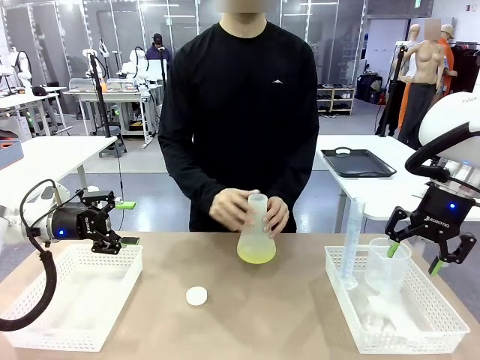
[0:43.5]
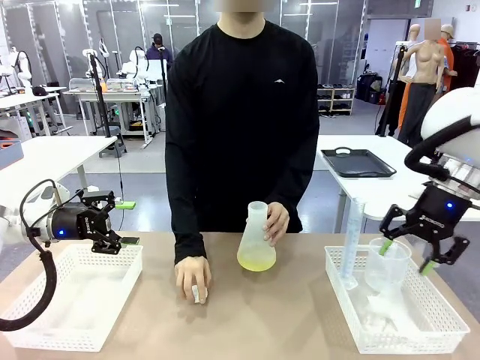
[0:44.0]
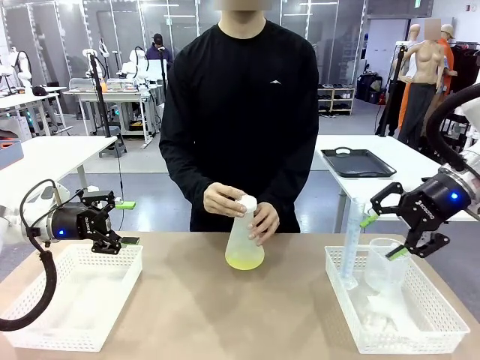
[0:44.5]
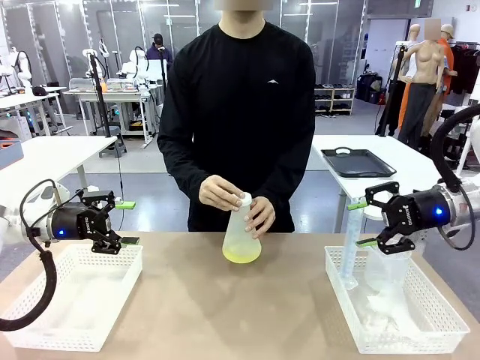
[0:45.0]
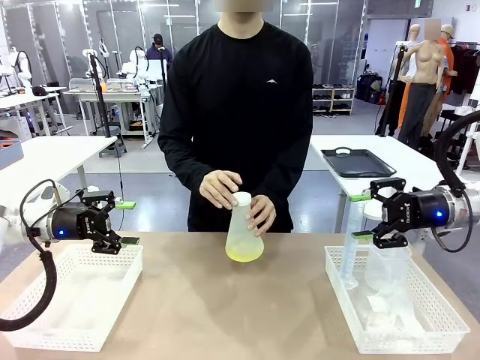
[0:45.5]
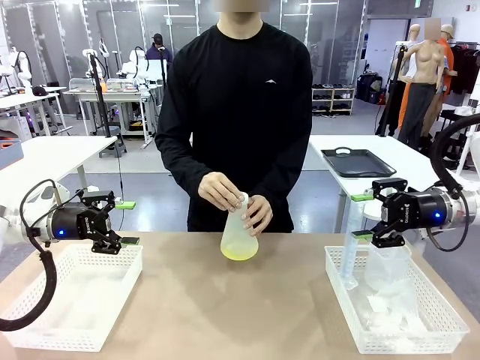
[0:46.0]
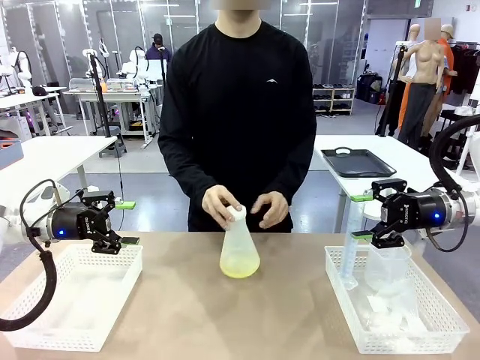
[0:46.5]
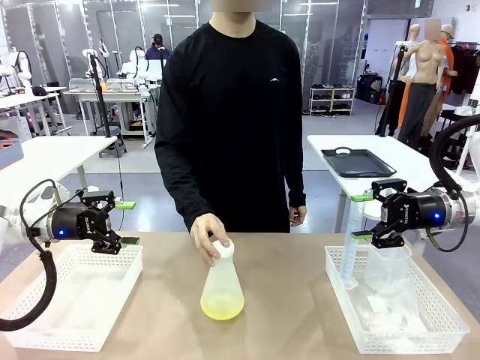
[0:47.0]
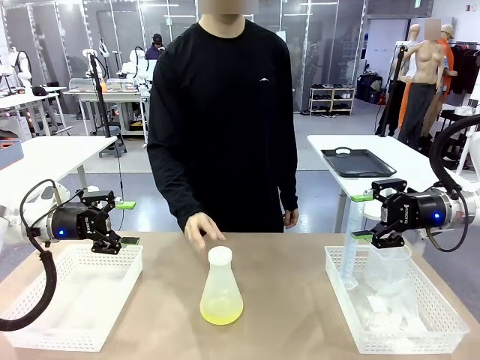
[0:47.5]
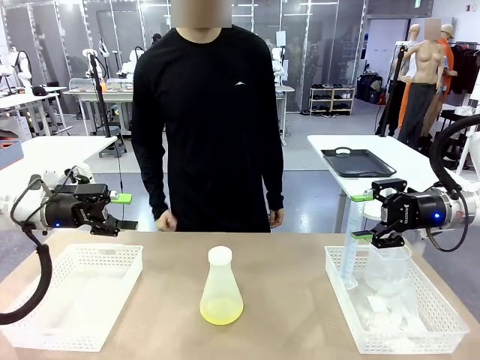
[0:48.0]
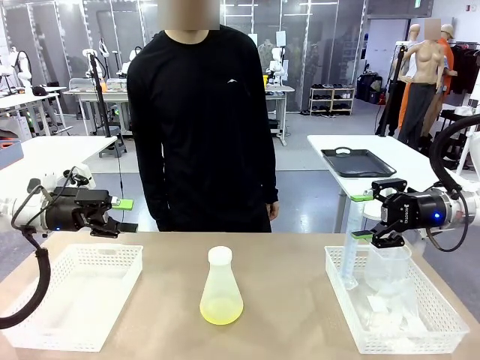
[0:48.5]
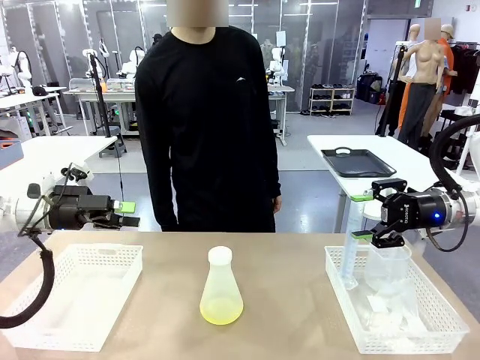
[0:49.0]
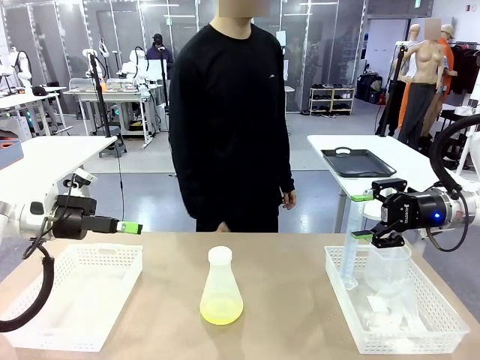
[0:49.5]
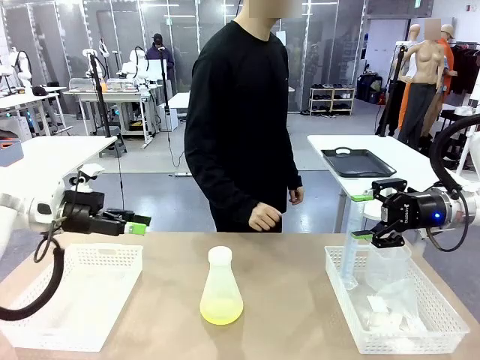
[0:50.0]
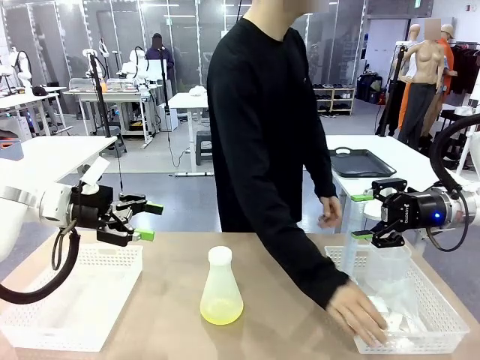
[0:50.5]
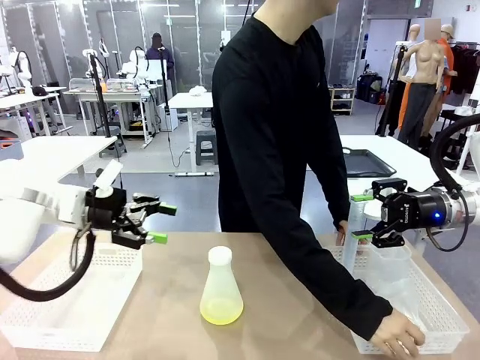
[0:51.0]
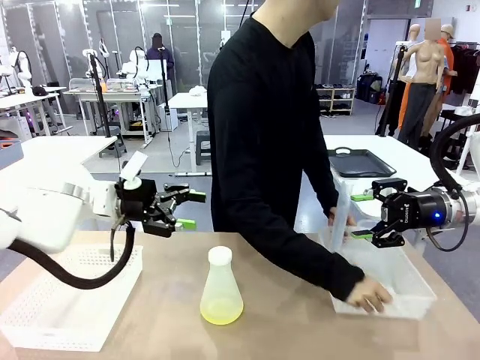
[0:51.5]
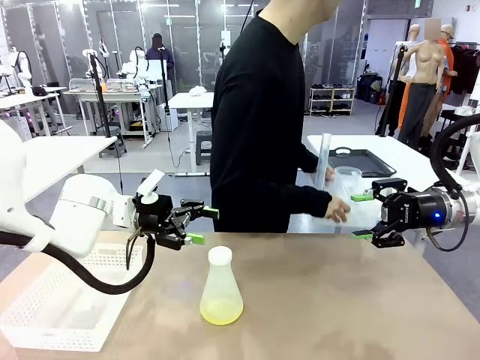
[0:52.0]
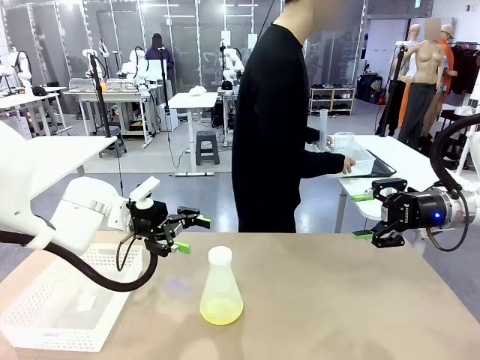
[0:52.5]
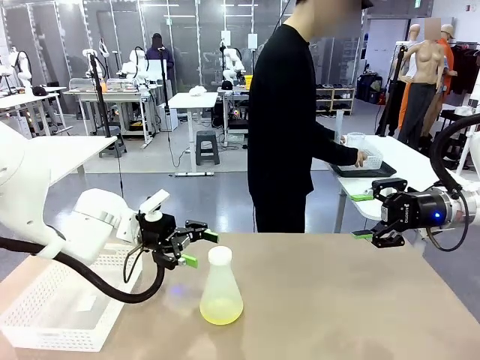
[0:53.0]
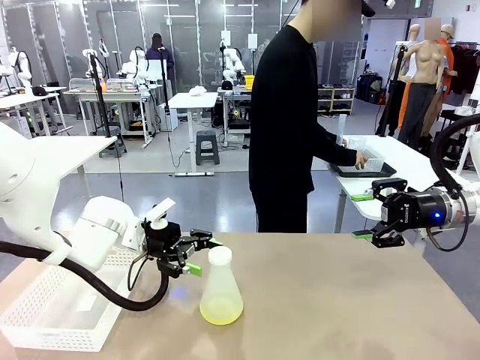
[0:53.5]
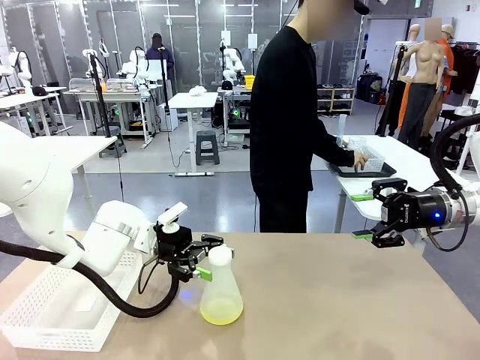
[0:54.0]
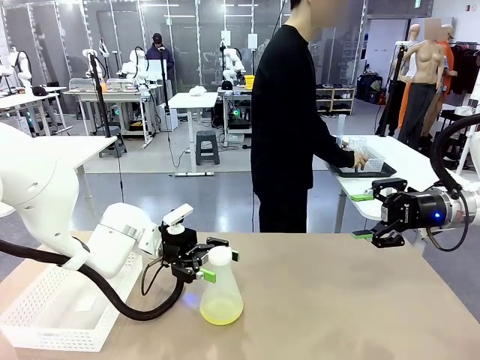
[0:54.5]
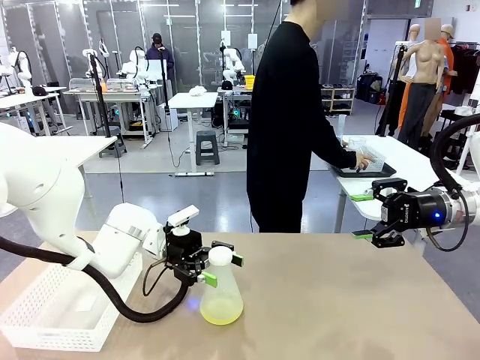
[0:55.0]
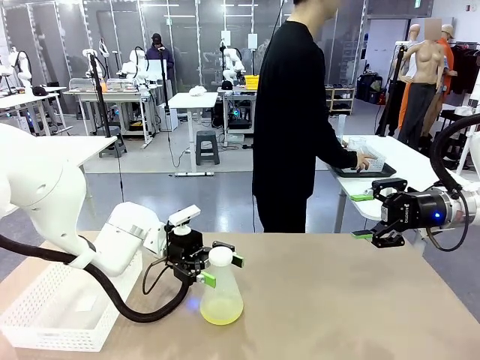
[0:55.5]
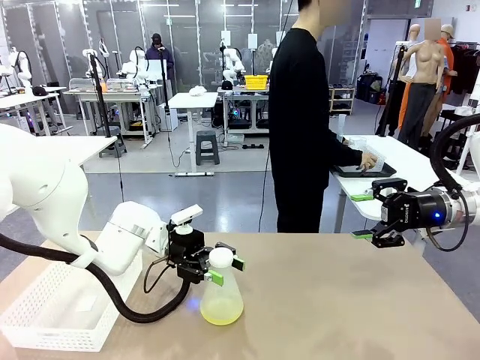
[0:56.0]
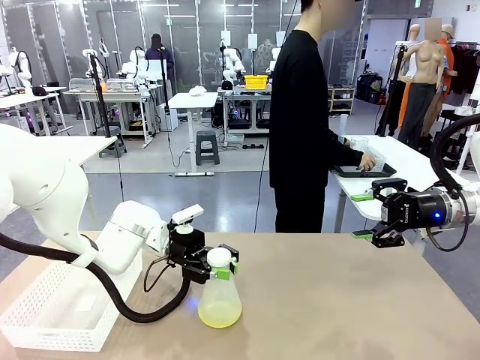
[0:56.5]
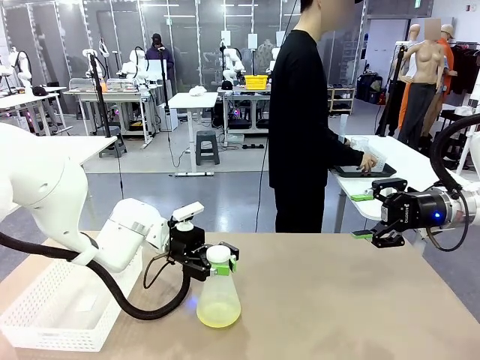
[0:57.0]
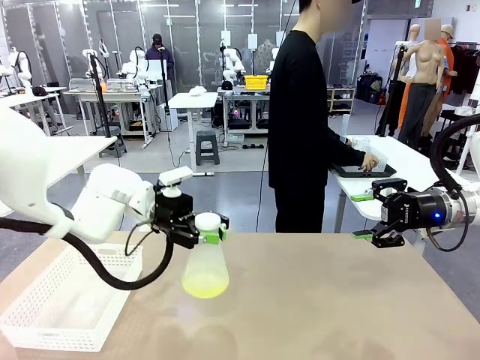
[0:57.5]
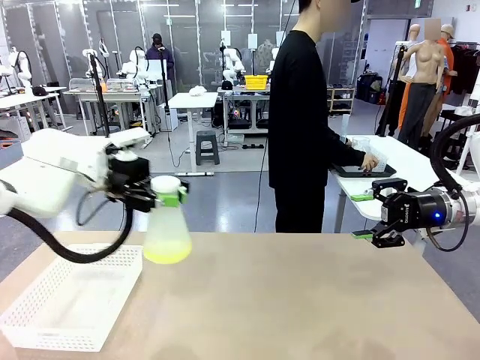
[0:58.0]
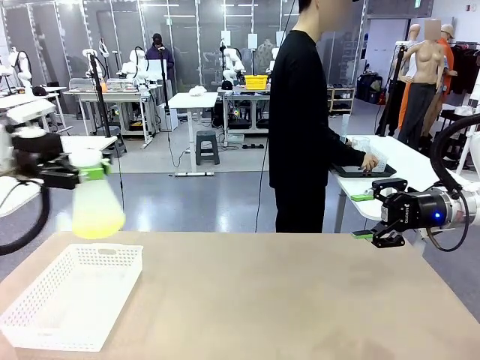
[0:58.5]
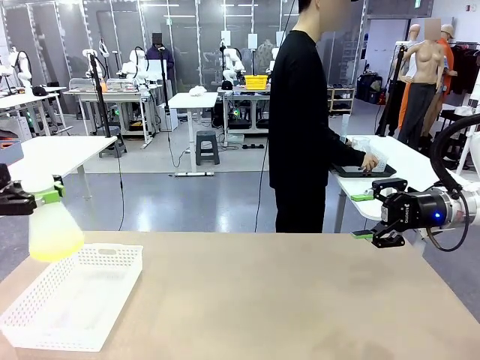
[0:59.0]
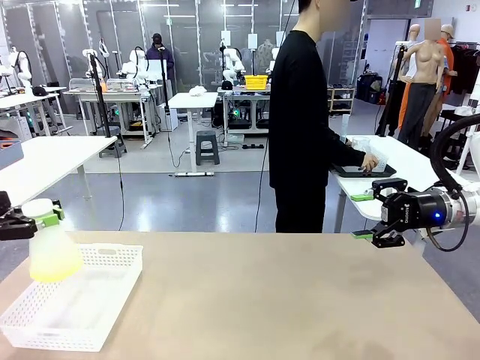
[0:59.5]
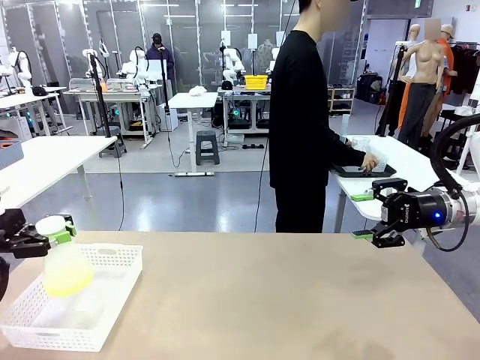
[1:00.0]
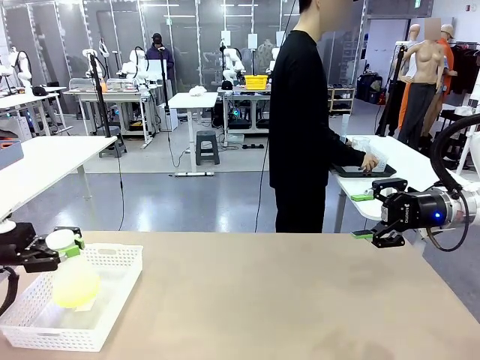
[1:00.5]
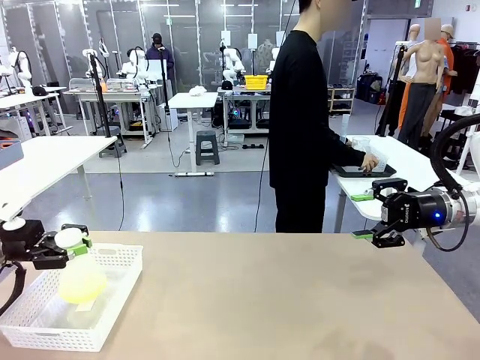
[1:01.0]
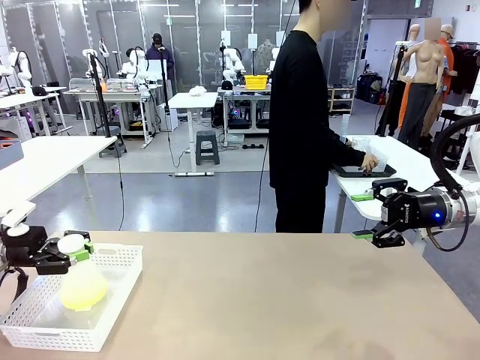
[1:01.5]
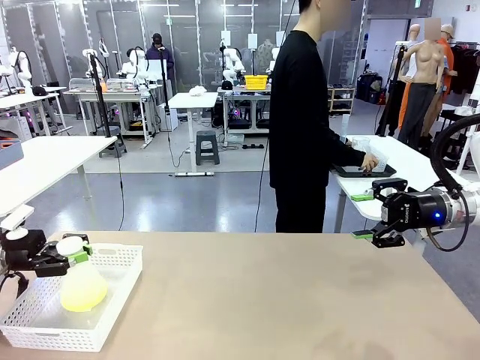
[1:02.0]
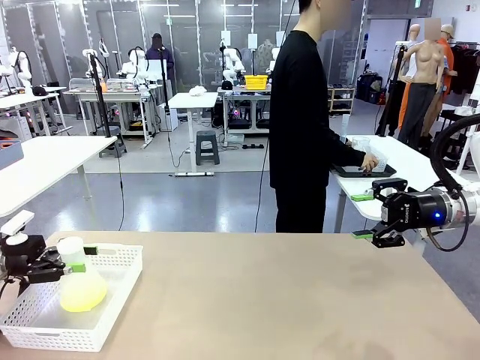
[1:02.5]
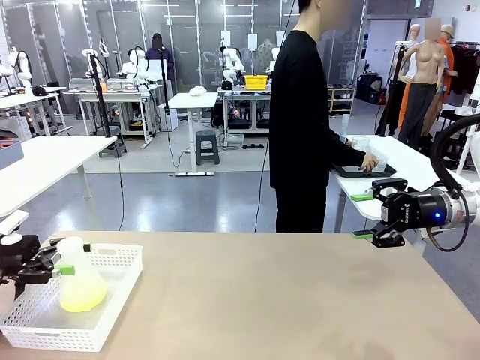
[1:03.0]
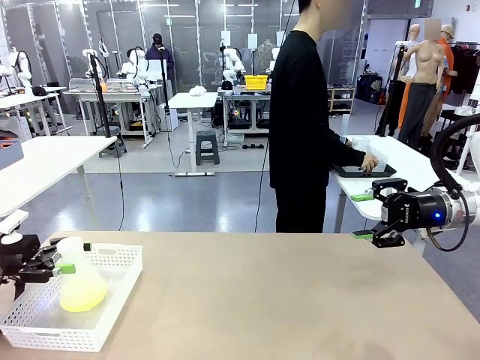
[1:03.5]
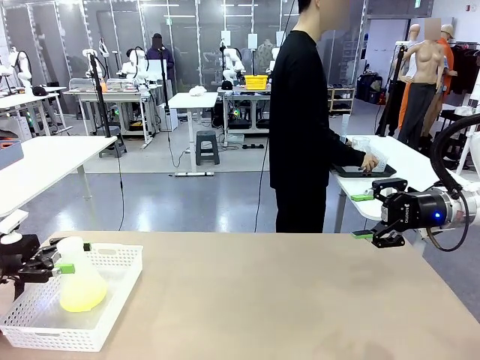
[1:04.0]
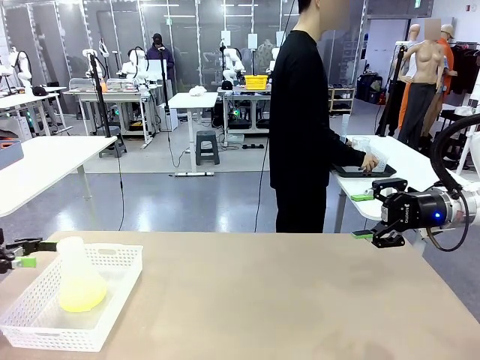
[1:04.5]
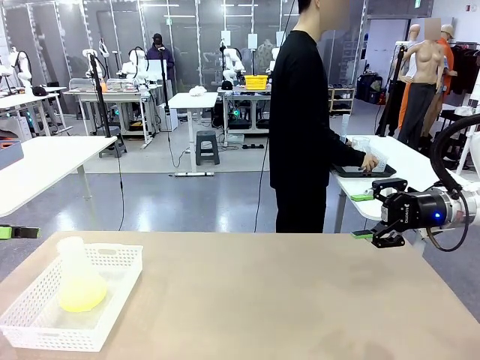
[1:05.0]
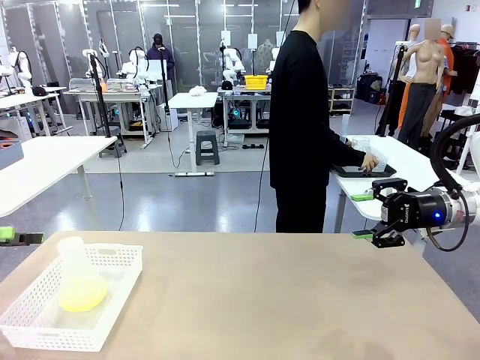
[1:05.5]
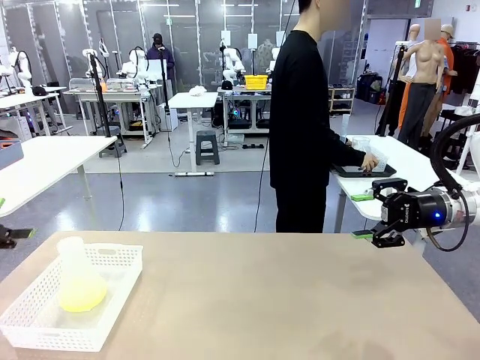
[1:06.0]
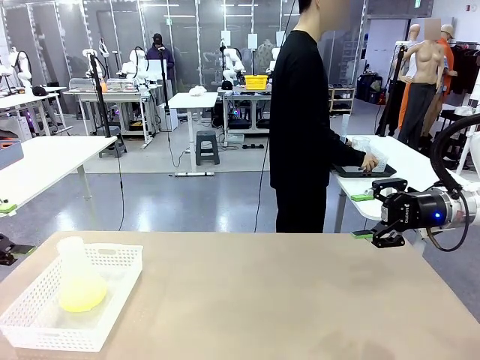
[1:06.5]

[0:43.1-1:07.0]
Task: Prepare the solutions needed for the experiment.
Robot: When the human places the Big flask in the center of the table, pick up the Big flask and place it in the left Organizing basket.
Person: Pick up the organizing basket on the left side of the robot table and place it on the left side of the human table.
